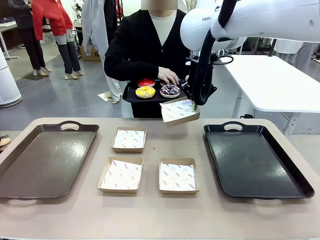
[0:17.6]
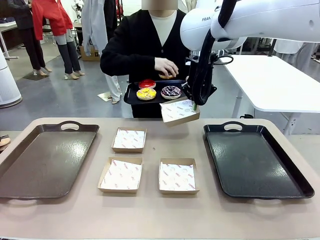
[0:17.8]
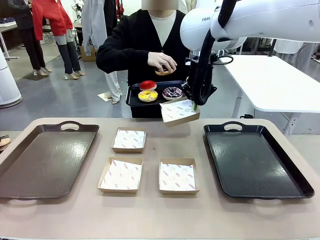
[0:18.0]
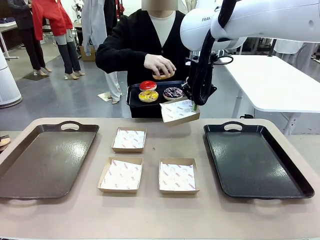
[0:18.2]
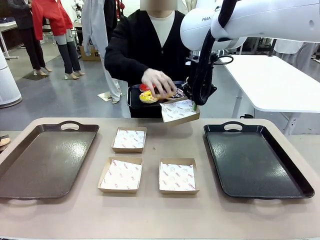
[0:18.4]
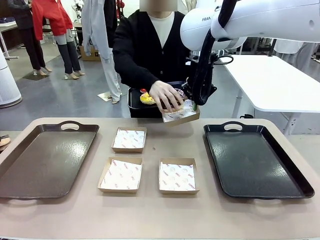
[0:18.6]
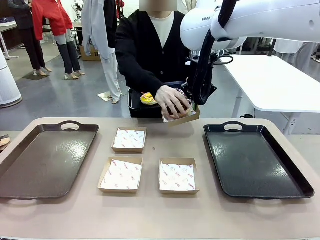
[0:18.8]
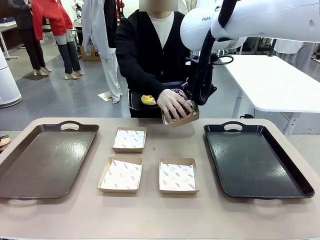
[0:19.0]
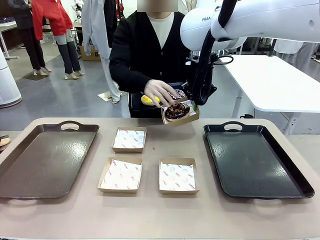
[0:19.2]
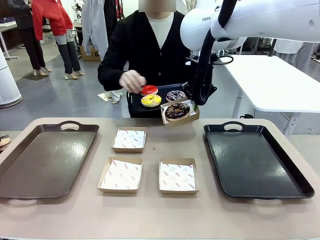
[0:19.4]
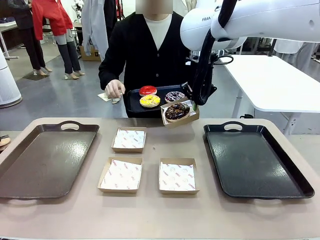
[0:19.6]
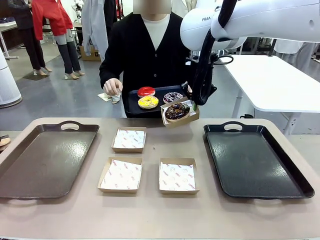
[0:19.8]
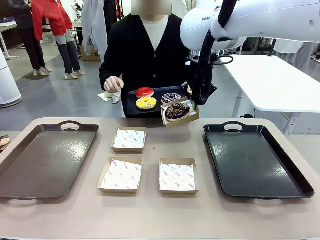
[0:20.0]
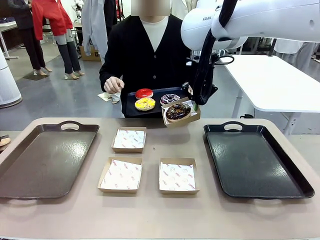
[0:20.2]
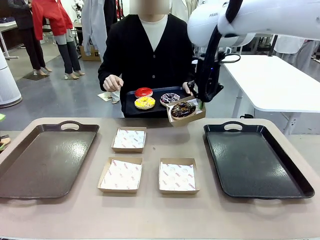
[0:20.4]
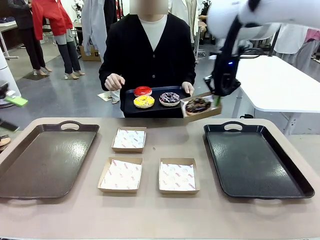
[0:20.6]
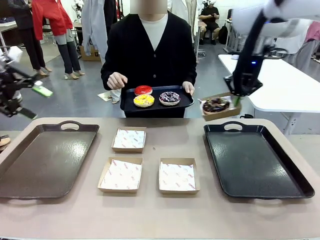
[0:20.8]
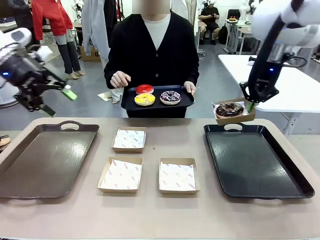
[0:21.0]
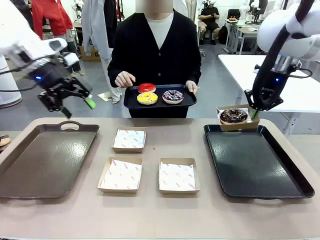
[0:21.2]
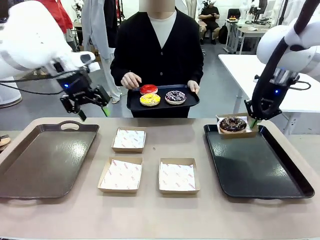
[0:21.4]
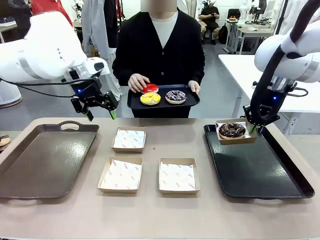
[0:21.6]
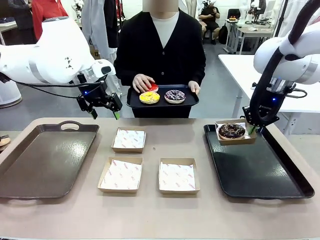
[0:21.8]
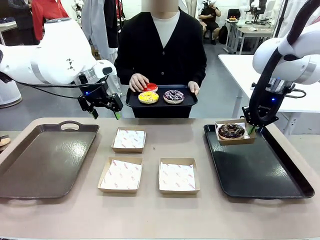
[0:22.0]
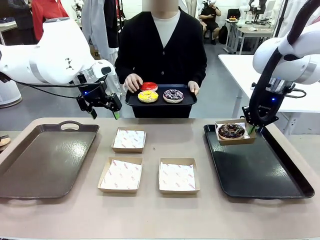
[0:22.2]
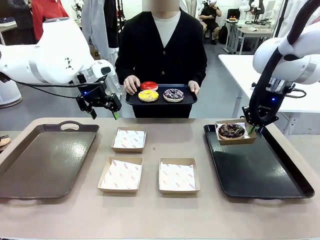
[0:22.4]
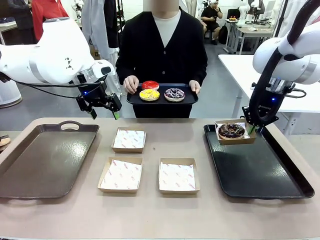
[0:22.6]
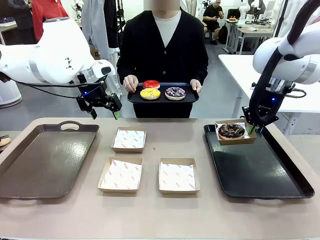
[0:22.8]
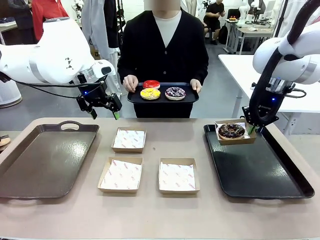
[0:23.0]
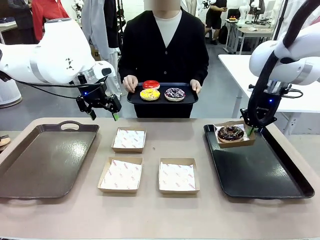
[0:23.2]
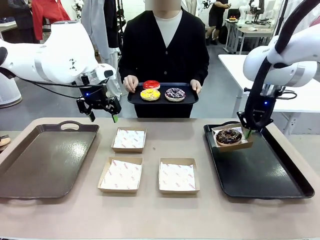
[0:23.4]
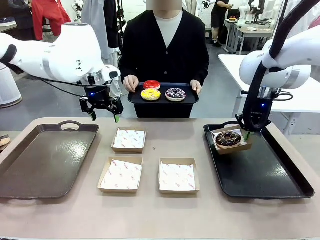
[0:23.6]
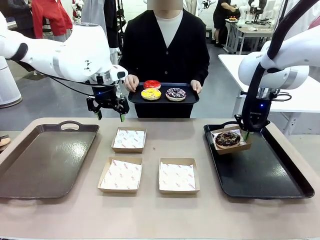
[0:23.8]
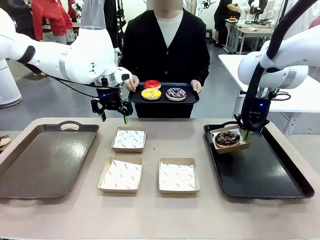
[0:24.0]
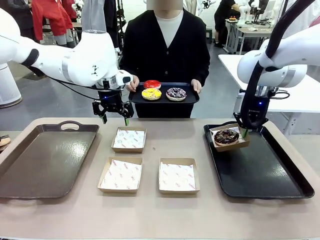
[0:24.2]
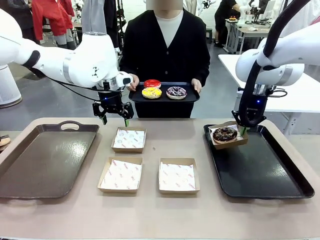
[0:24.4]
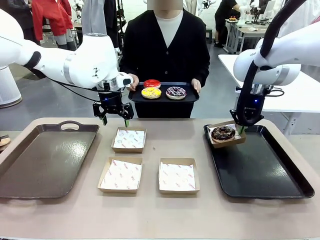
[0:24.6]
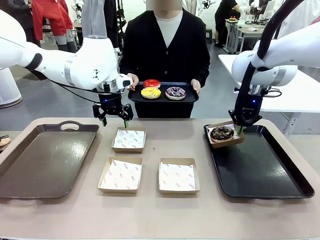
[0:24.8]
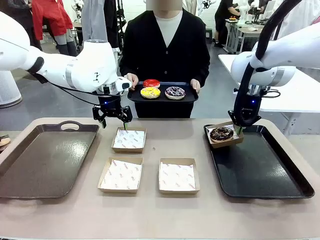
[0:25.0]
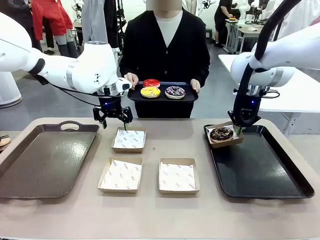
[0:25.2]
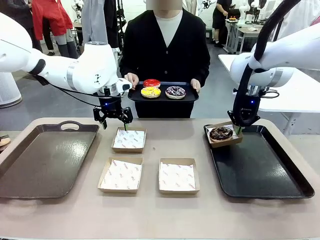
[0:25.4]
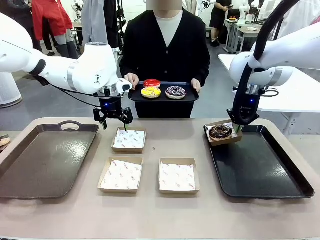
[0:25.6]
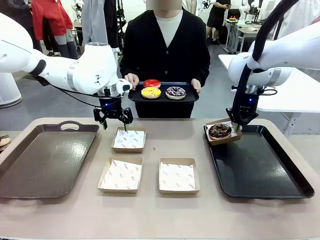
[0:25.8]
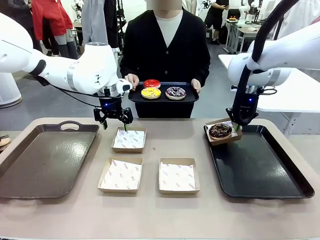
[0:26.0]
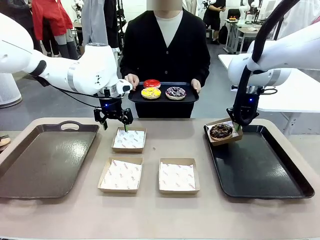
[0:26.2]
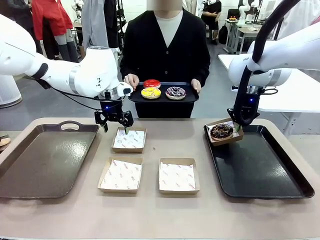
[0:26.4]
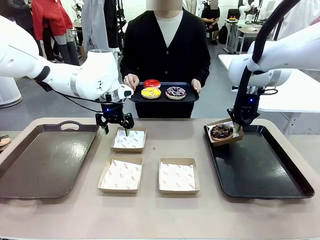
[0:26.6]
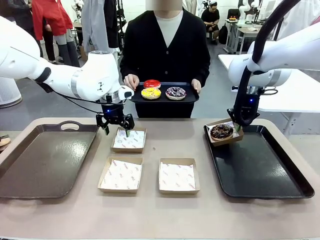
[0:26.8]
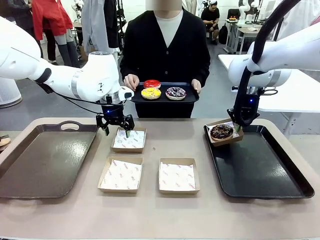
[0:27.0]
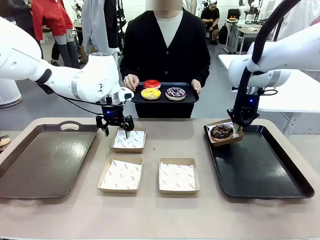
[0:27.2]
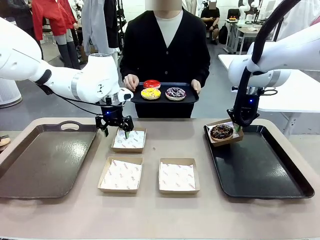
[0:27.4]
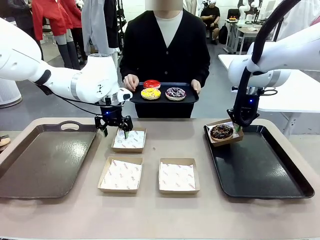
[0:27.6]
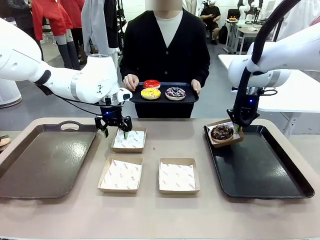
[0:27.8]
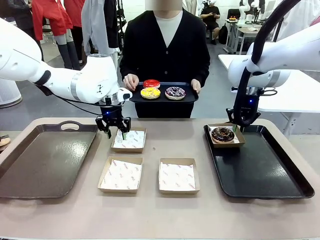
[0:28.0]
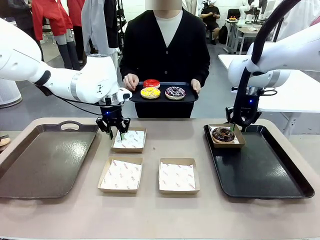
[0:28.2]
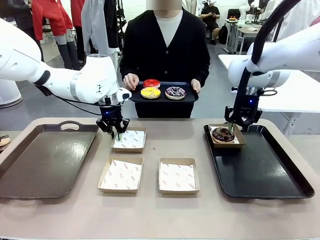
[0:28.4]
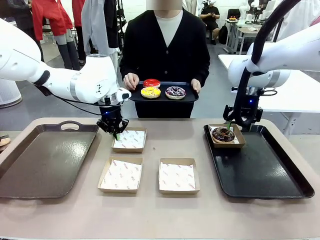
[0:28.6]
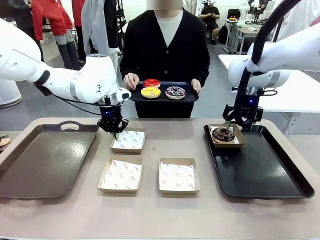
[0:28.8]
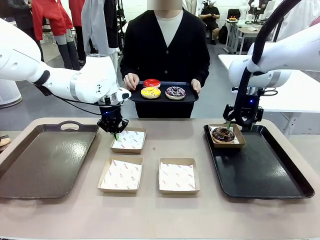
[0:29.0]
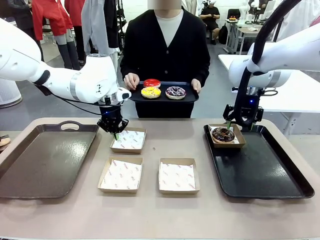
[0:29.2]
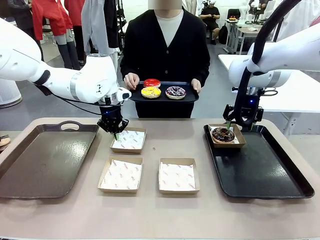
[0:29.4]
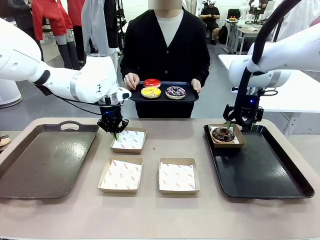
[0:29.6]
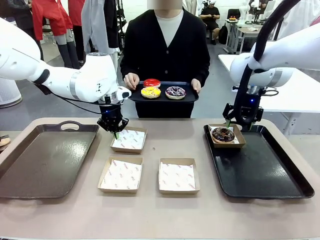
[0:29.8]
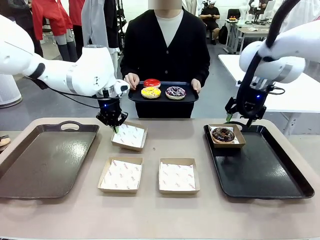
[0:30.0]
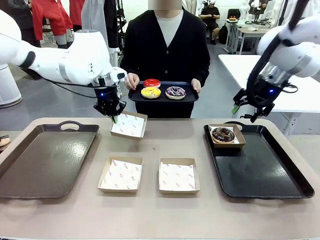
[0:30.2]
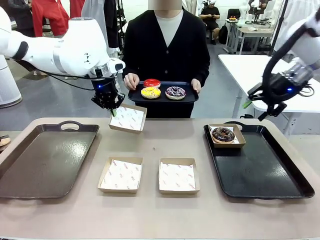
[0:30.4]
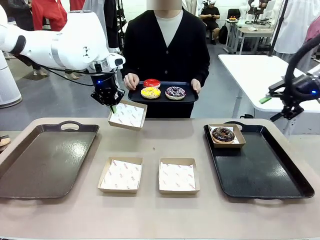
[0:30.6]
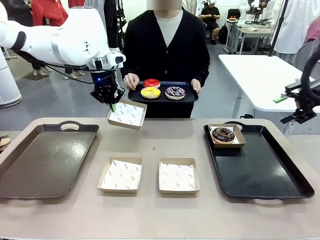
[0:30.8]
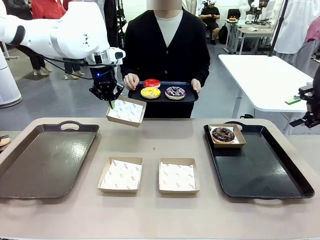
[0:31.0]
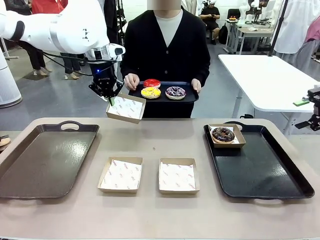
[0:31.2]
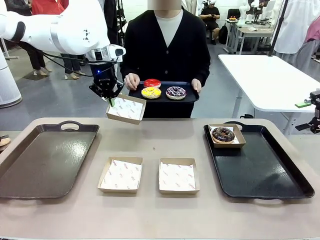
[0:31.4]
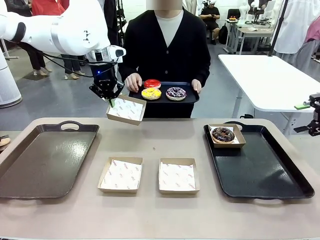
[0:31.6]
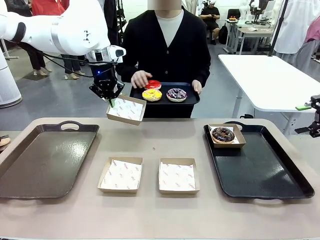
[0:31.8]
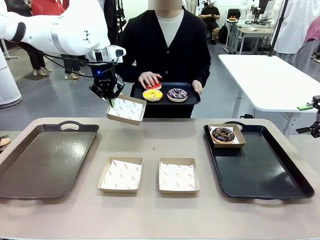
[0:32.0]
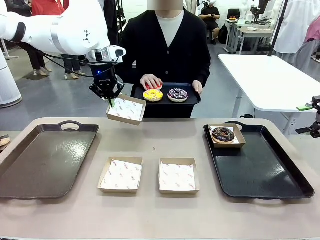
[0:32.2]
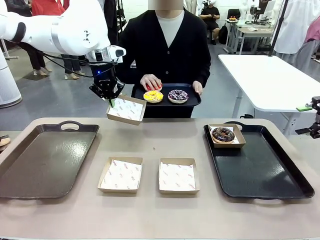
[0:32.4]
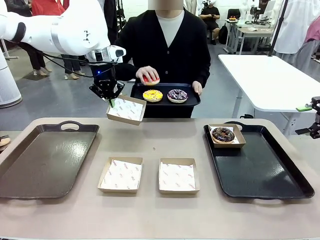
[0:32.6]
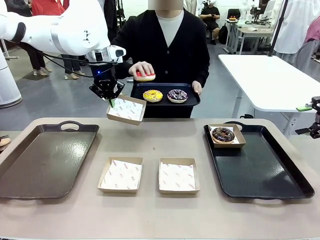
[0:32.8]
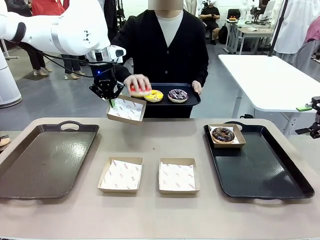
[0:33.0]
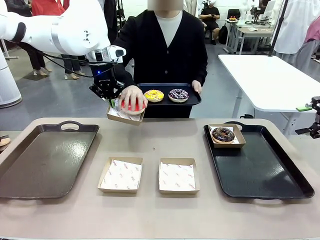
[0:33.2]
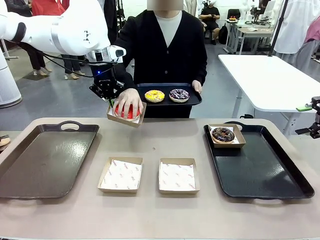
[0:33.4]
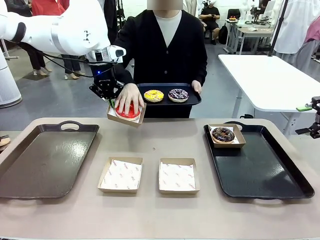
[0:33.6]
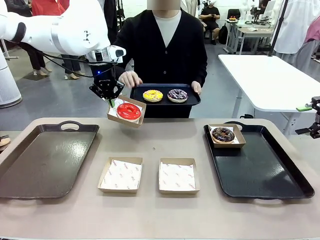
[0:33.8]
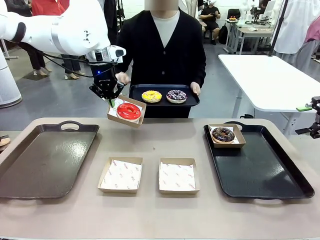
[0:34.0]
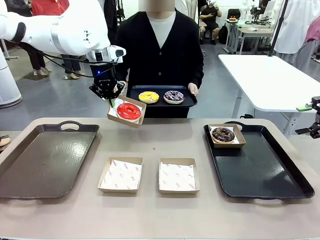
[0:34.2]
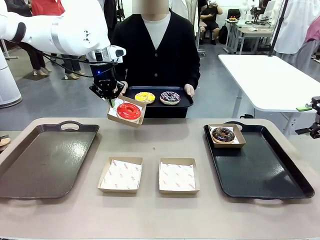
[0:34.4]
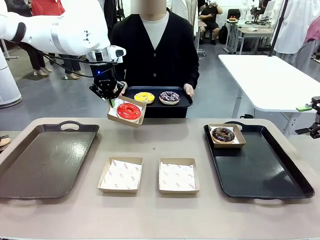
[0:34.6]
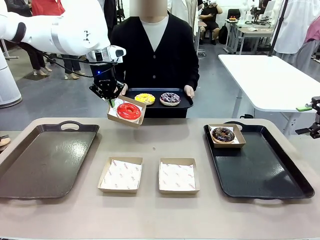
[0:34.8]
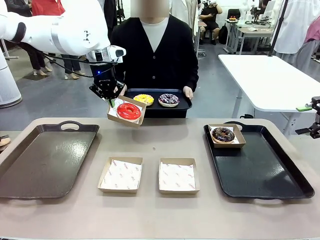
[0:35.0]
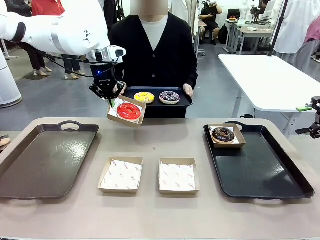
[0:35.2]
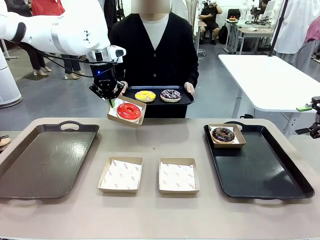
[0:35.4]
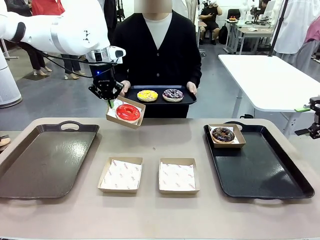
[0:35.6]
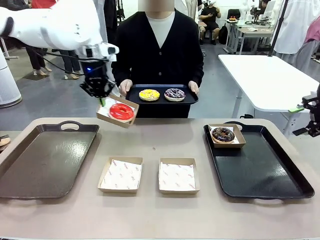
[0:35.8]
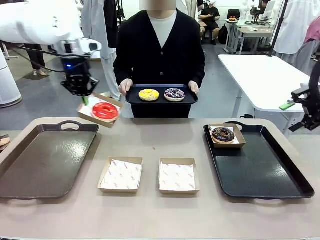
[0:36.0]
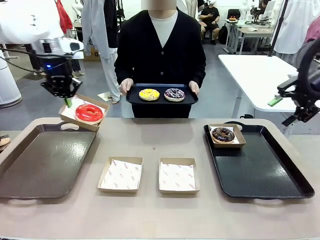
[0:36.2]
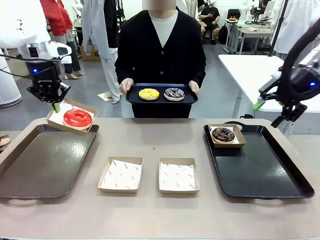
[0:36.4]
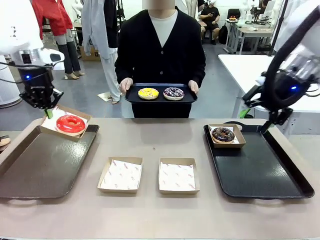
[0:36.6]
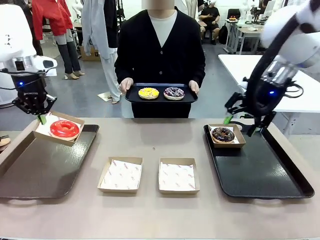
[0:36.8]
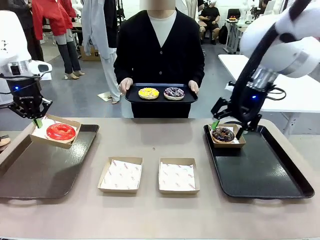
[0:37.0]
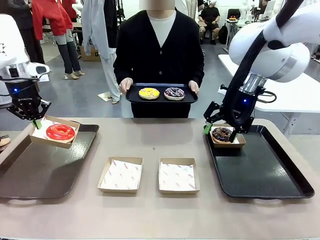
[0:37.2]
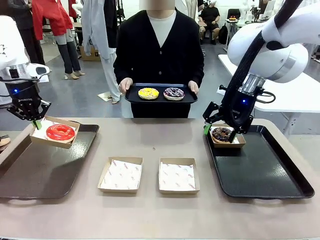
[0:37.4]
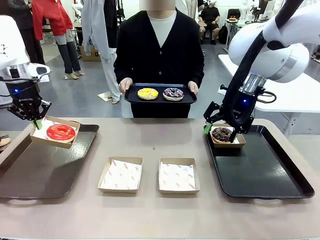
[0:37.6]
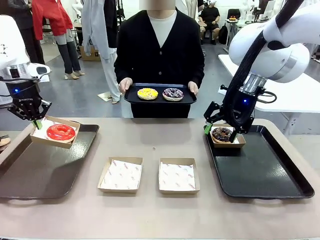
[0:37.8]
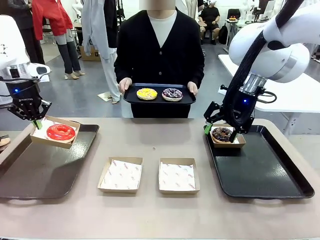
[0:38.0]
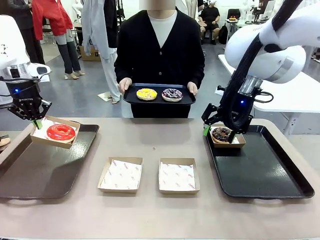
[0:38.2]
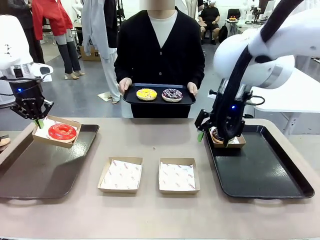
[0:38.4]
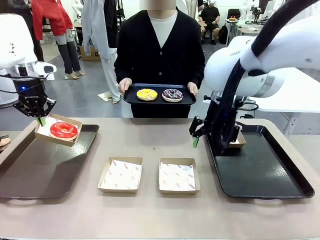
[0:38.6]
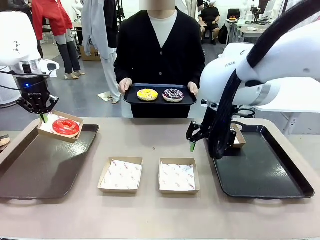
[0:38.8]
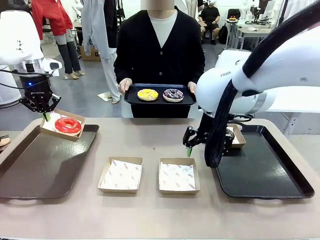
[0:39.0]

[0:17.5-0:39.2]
Task: Individually package the donuts and arrange them on the tray.
Robot: Place the picked Paper togo box on the Handle tray while simultaneously picking up another Paper togo box from the table with the other hand.
